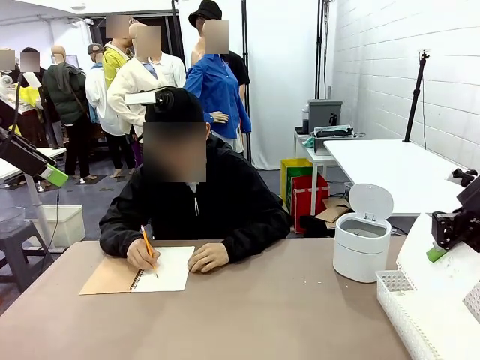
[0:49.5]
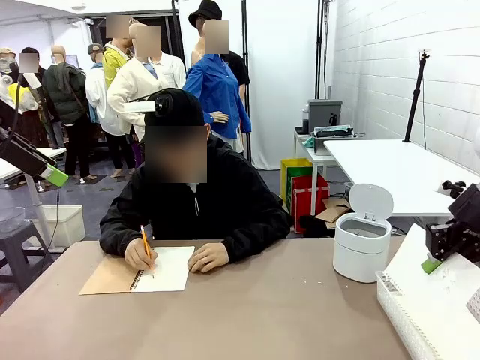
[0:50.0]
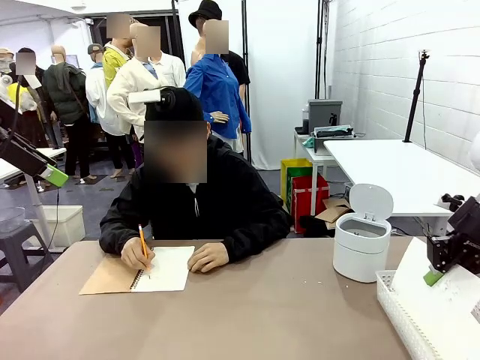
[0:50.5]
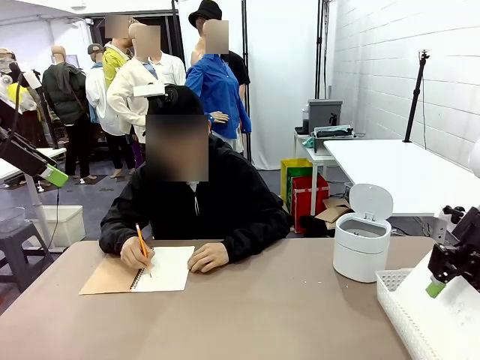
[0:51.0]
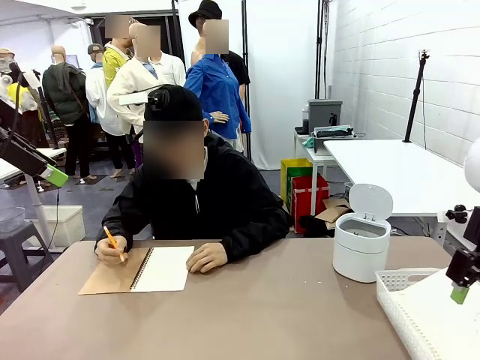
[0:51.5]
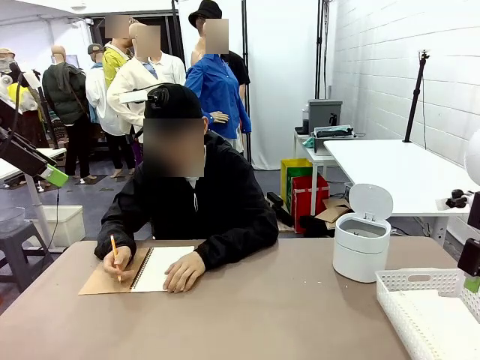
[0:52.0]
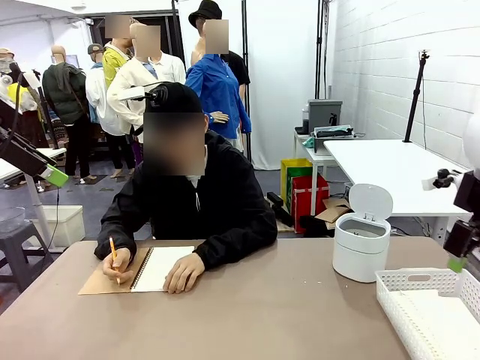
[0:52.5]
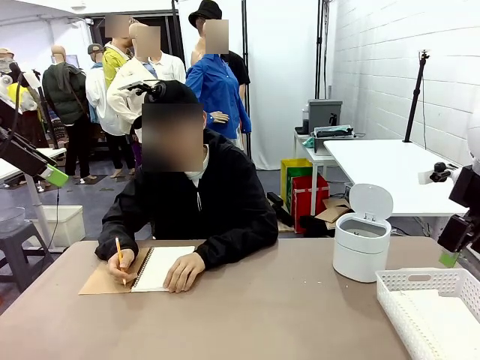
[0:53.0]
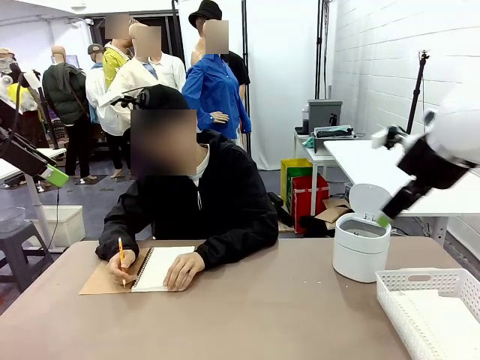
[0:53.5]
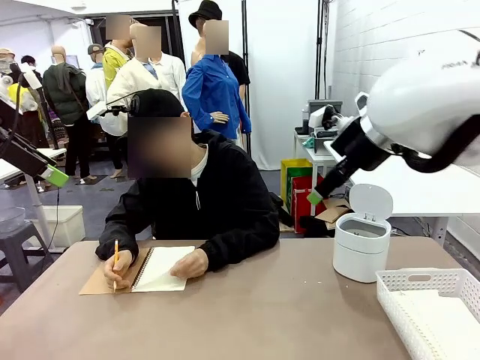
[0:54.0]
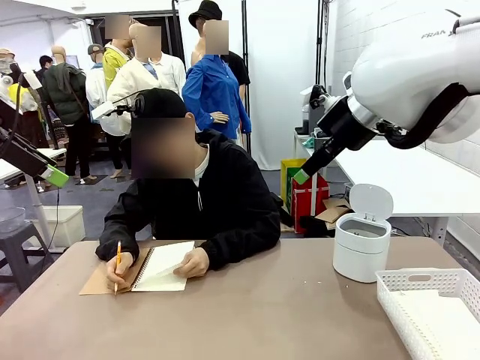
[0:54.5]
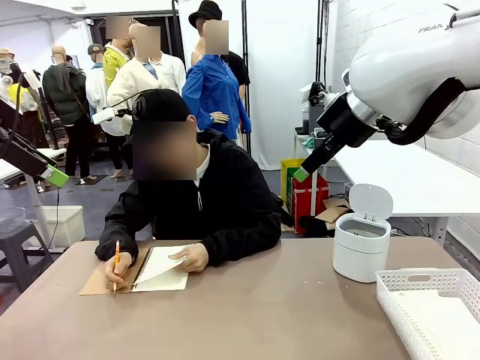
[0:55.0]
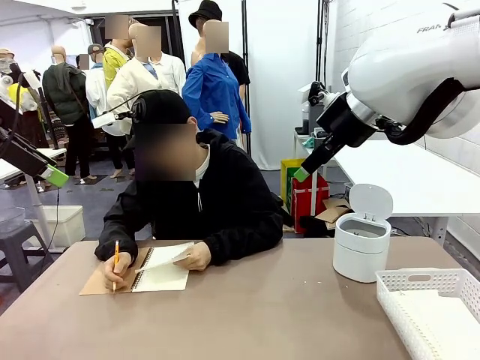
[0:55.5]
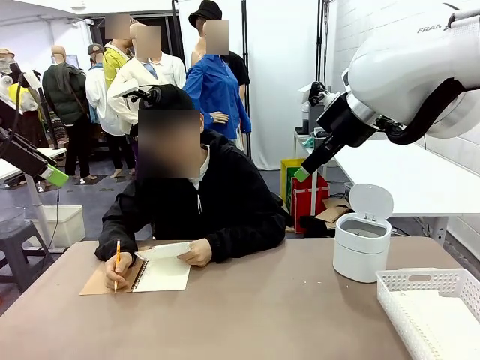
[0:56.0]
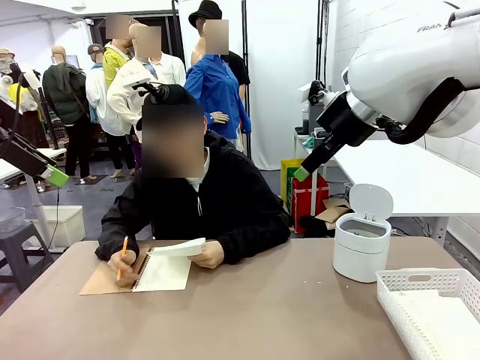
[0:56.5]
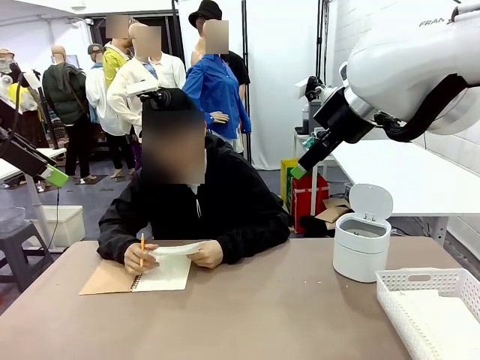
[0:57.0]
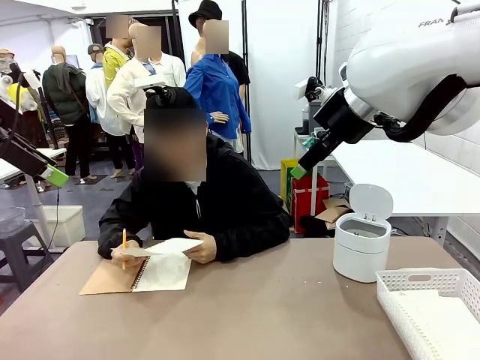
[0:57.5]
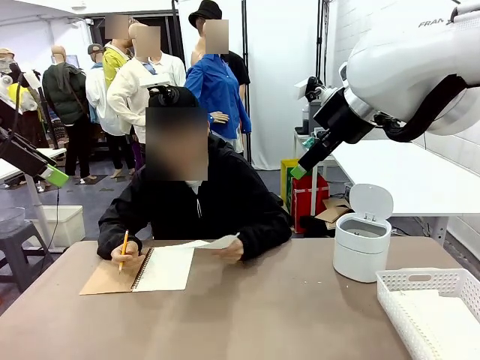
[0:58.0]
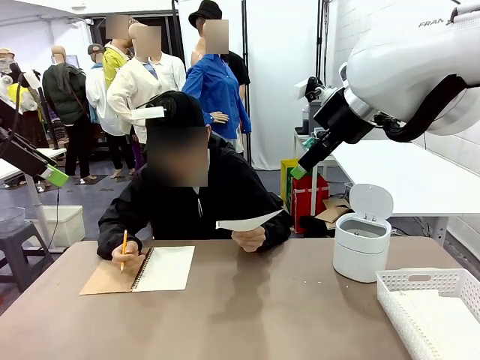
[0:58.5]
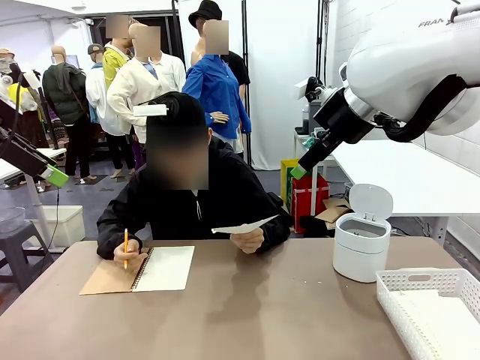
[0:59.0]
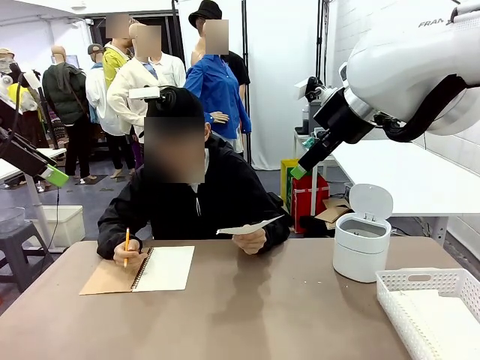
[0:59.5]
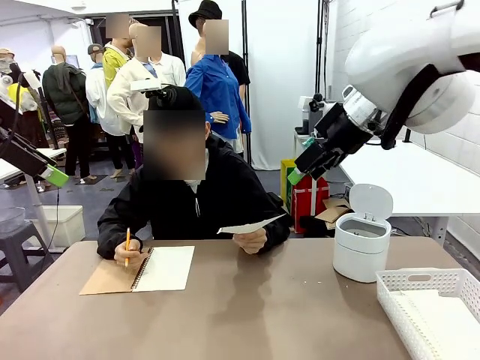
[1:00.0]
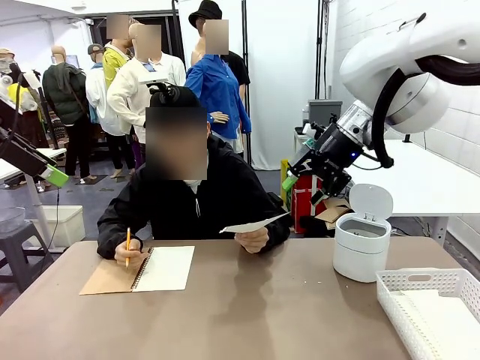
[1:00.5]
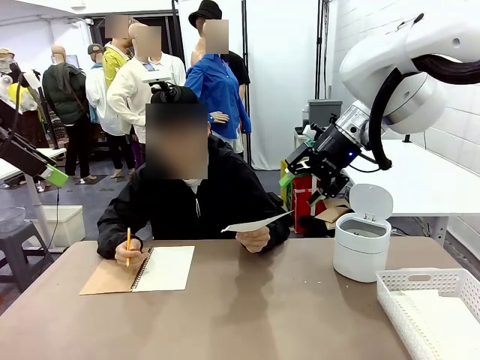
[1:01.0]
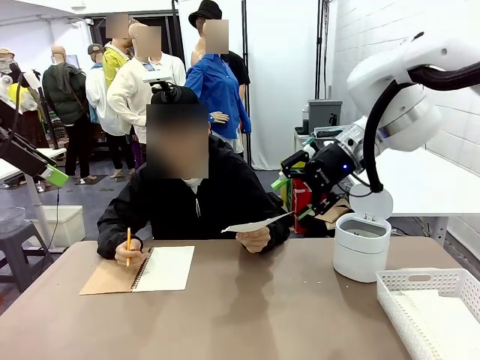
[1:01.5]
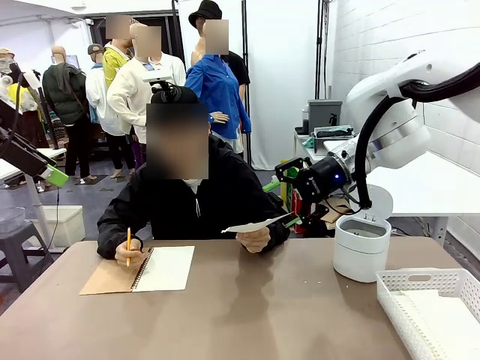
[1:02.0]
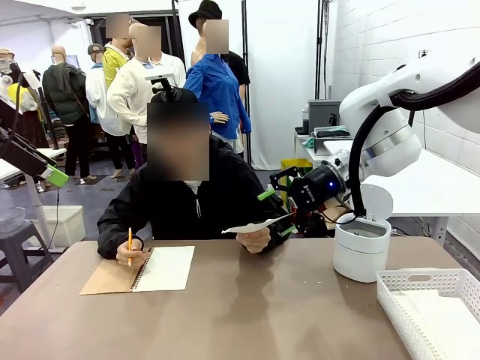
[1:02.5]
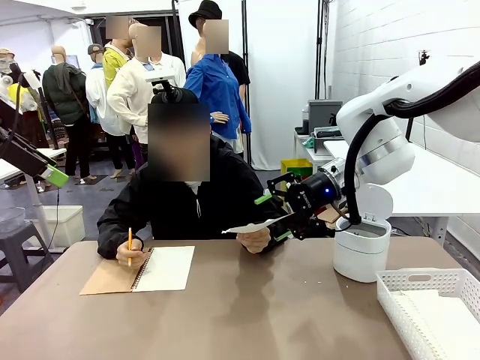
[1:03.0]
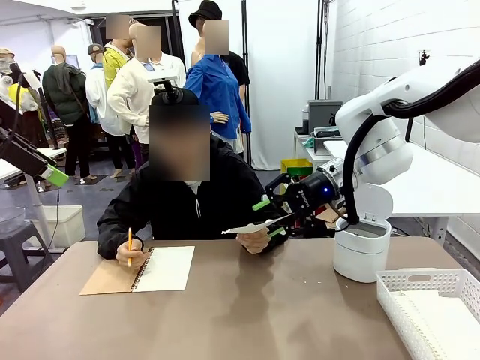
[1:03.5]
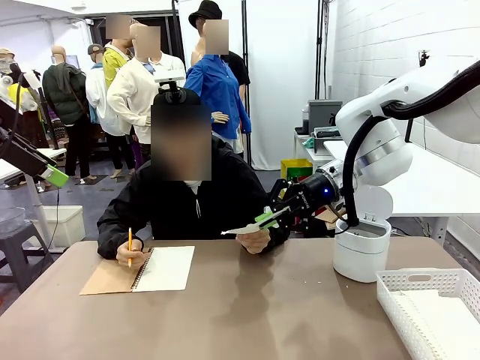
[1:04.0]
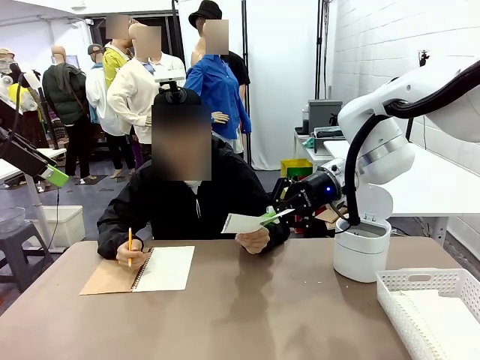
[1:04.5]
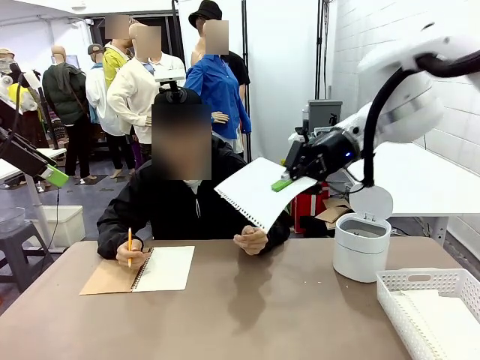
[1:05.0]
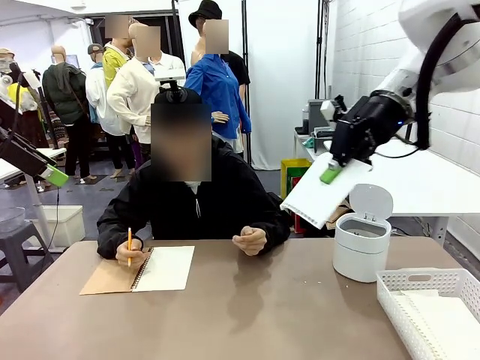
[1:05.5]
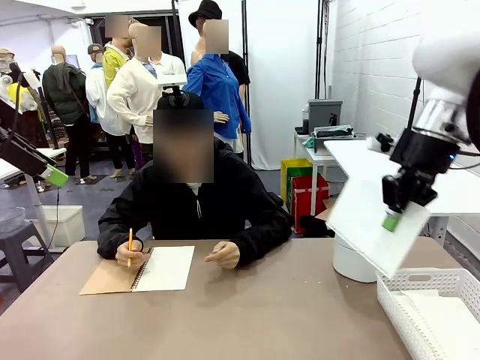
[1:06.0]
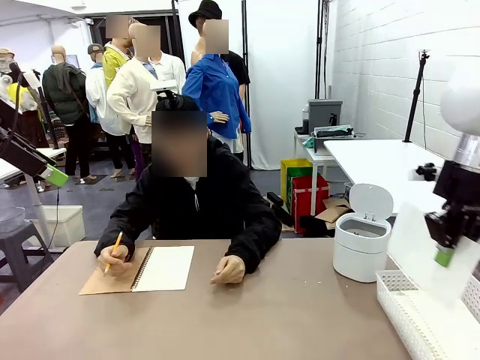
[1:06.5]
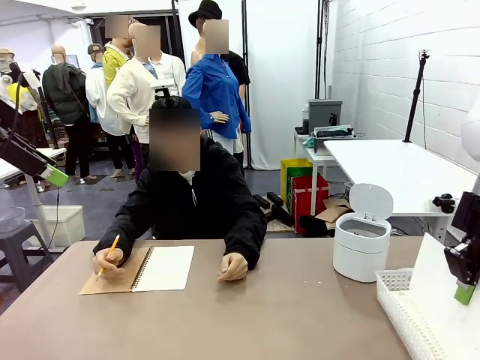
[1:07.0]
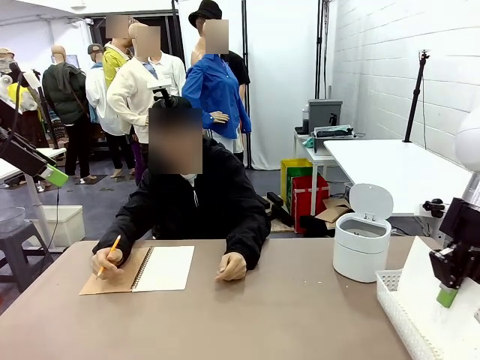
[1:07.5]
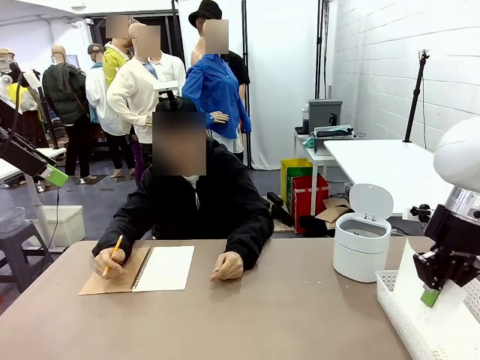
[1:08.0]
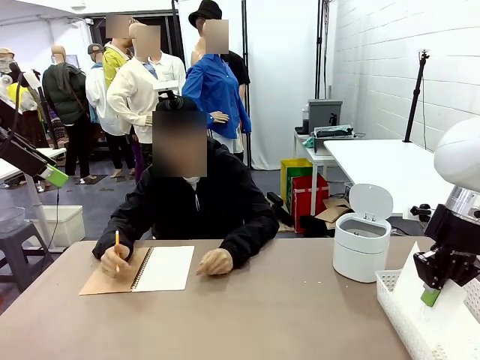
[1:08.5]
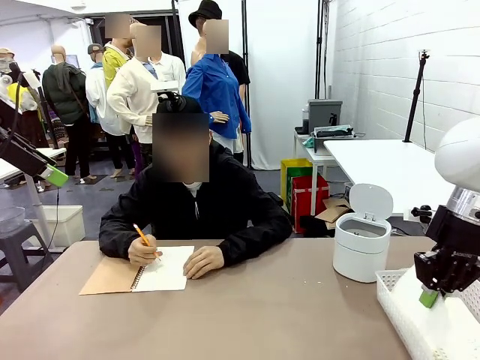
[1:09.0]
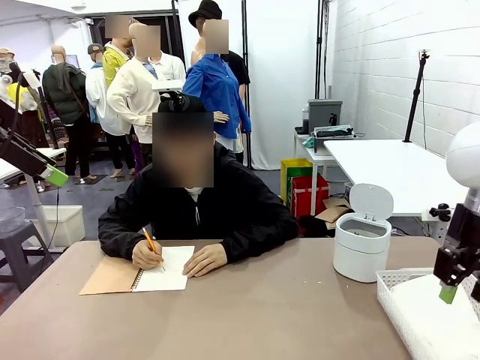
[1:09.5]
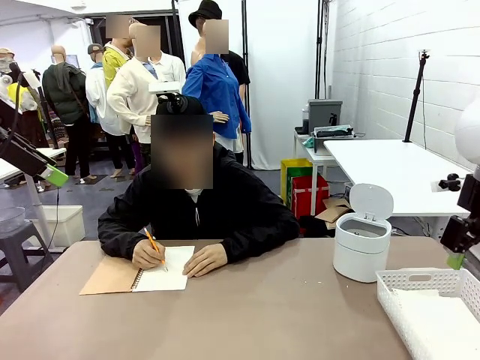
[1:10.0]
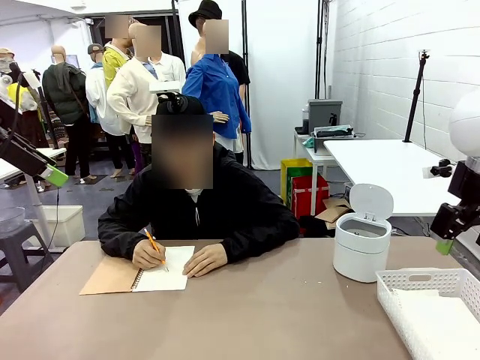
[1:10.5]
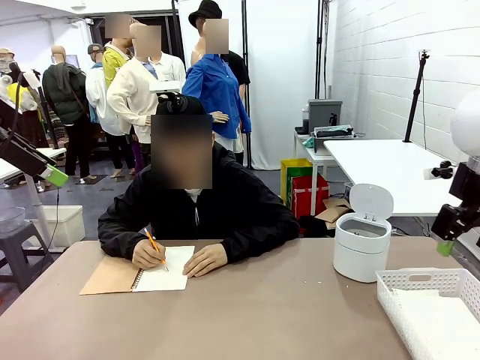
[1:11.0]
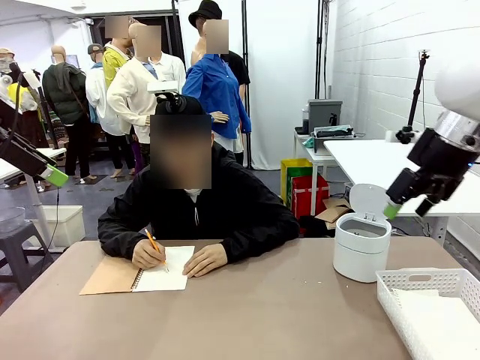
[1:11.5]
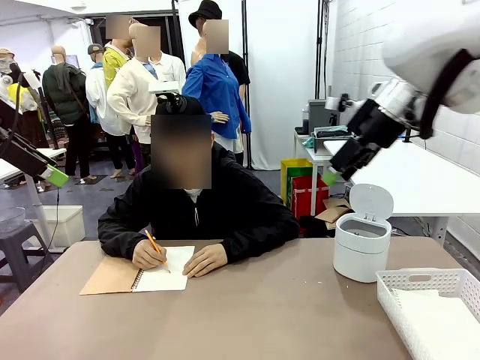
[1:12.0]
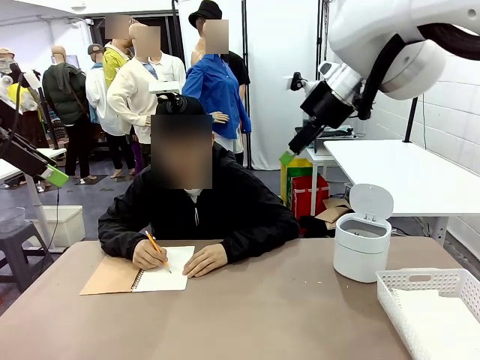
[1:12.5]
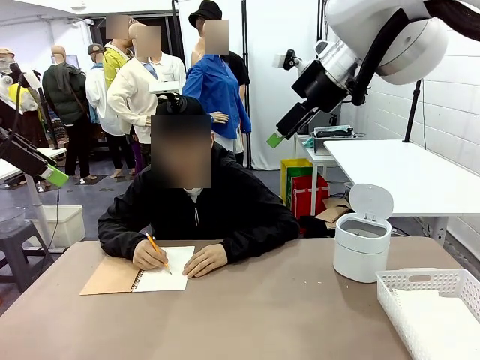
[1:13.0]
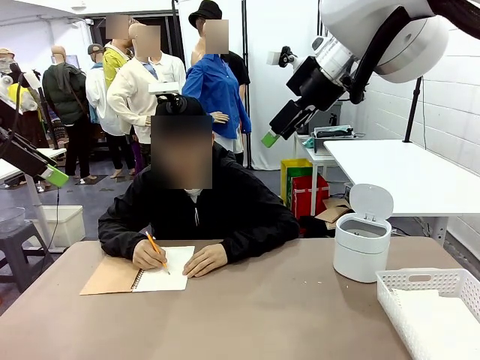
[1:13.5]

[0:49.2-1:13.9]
Task: Sort the paper based on its condition.
Robot: If a person hands you a paper, place it in the Organizing basket , and if it's crumpled, put it in the Trash can.
Person: Hand the torn page to the robot or crumple it and throw it to the center of the table.

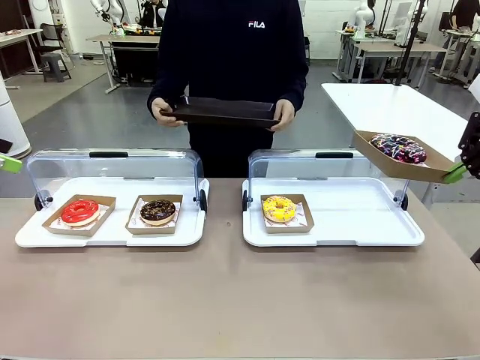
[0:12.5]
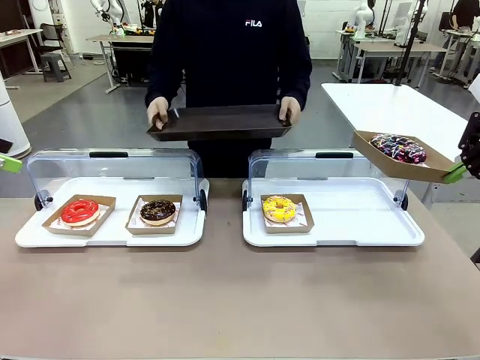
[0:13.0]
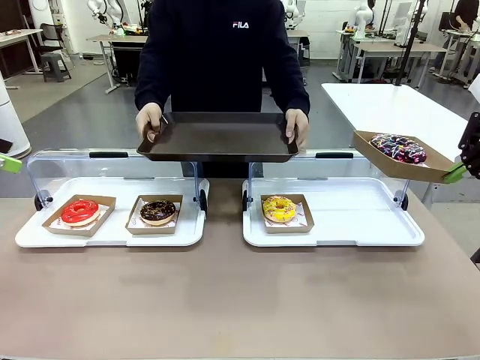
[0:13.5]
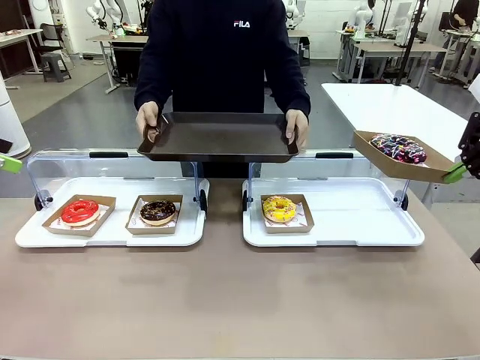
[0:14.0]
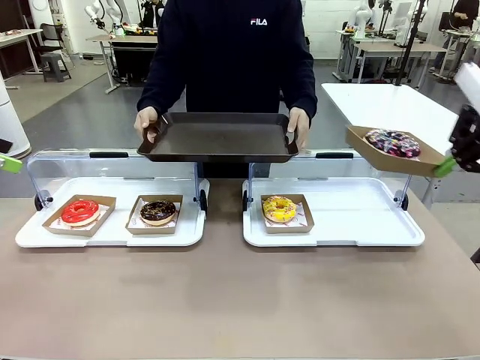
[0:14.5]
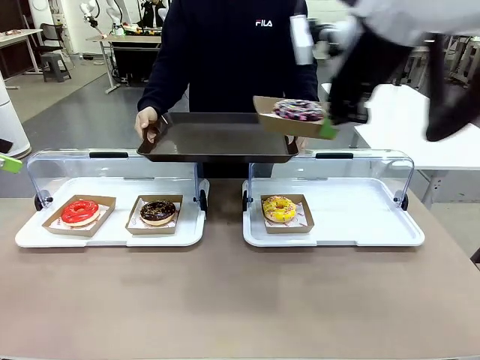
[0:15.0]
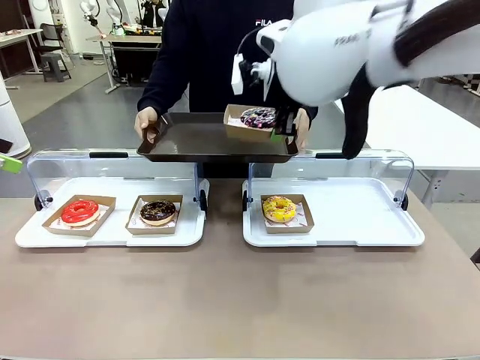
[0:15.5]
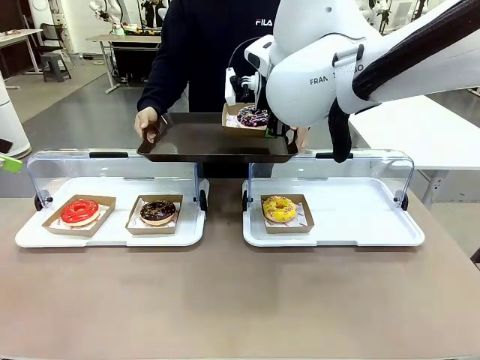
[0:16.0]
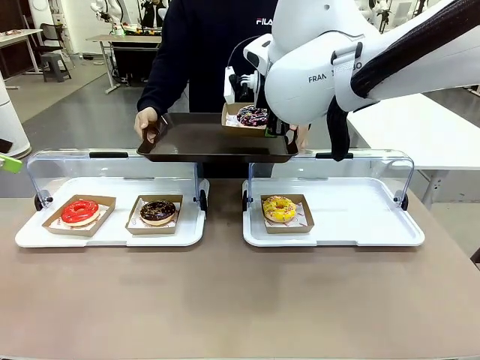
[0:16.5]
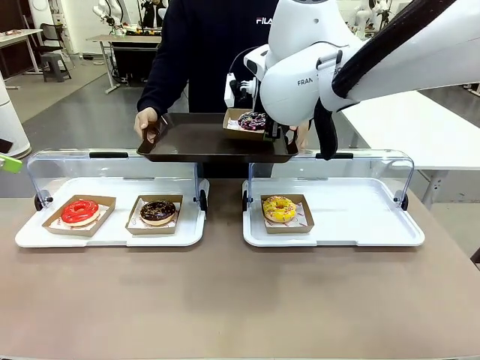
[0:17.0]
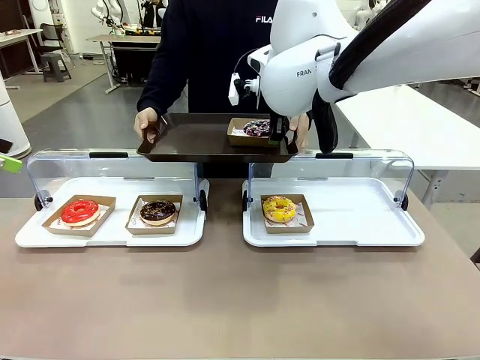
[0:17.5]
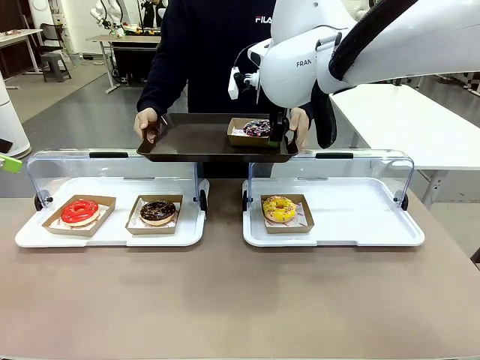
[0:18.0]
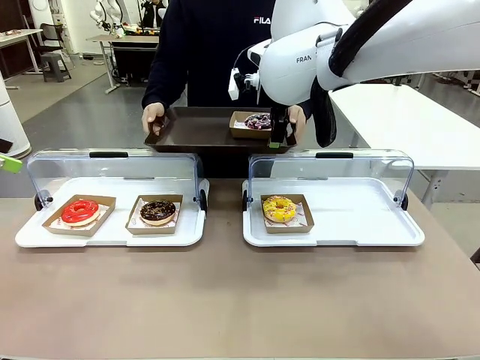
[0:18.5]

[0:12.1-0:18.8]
Task: Provide the desired donut to the person.
Robot: Place the picked Paper togo box onto the Handle tray extended by the person.
